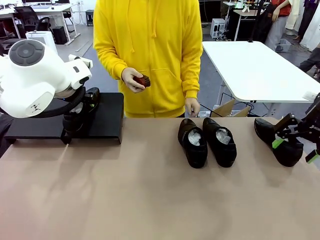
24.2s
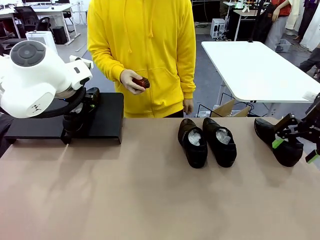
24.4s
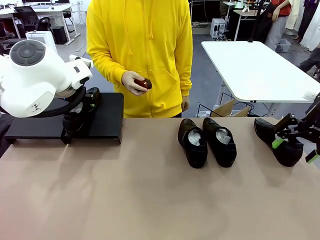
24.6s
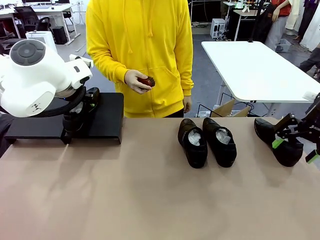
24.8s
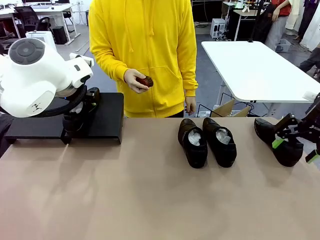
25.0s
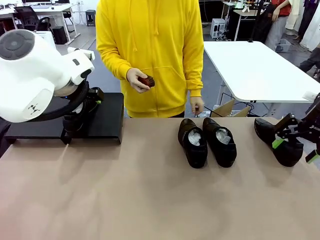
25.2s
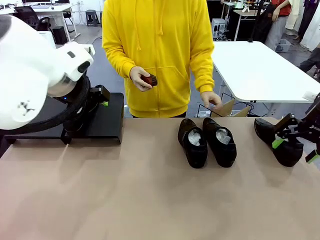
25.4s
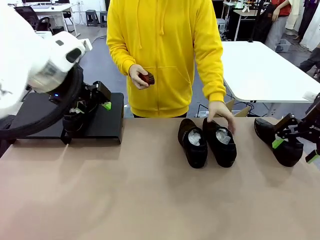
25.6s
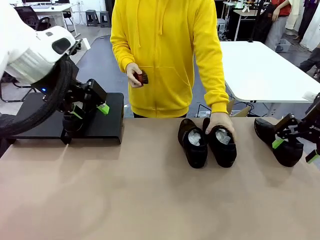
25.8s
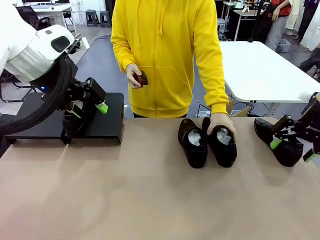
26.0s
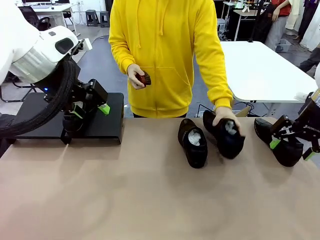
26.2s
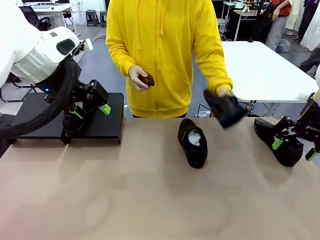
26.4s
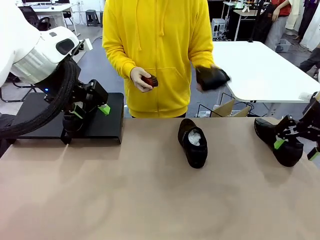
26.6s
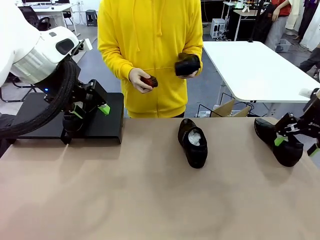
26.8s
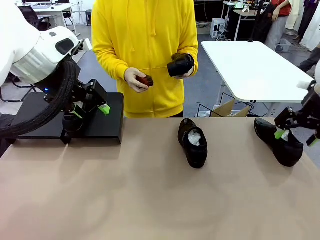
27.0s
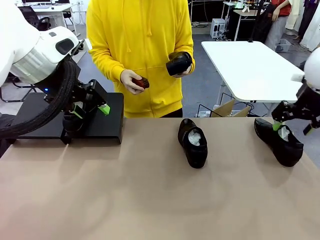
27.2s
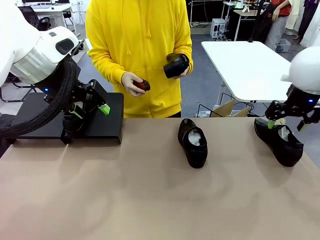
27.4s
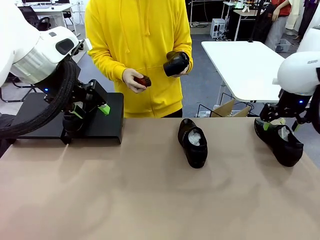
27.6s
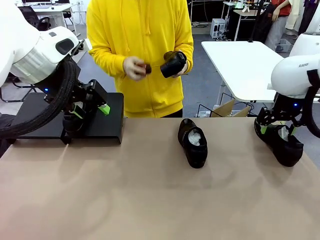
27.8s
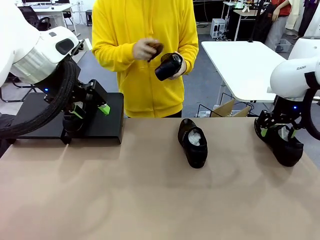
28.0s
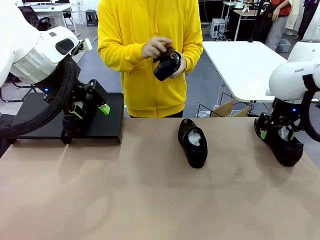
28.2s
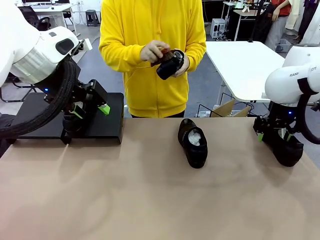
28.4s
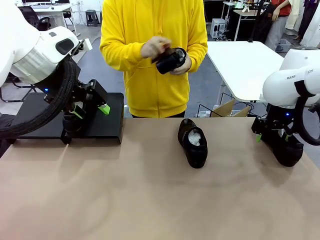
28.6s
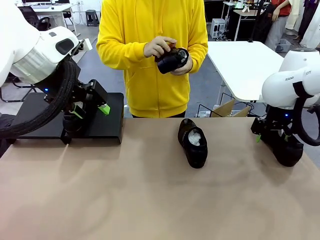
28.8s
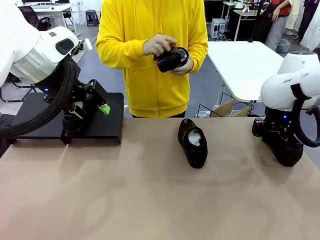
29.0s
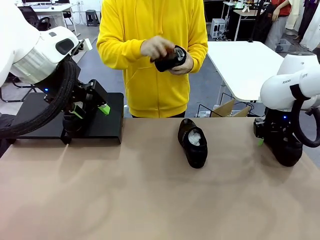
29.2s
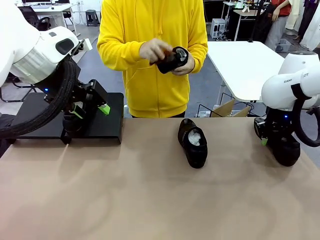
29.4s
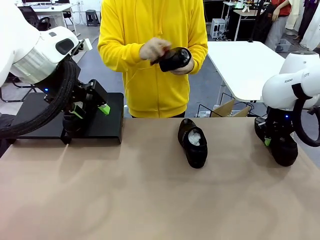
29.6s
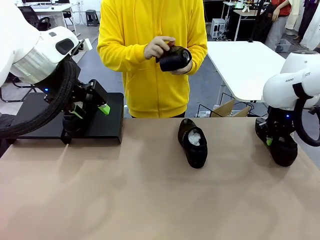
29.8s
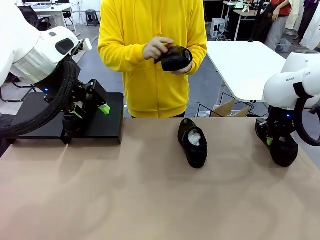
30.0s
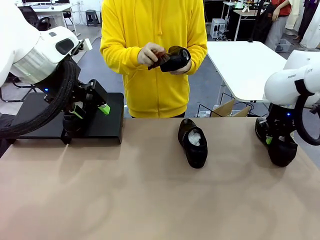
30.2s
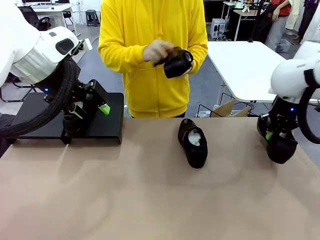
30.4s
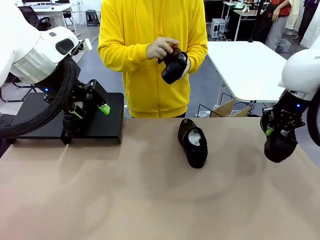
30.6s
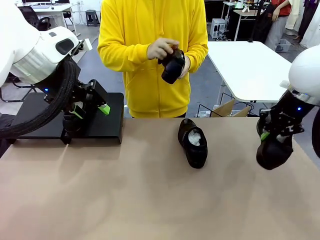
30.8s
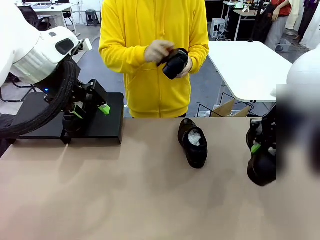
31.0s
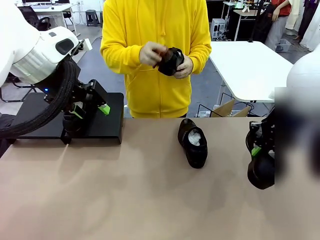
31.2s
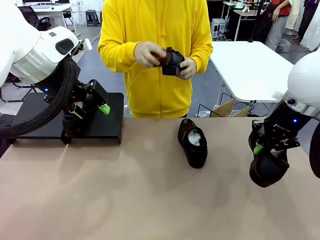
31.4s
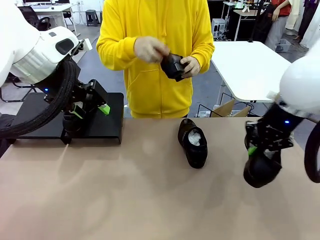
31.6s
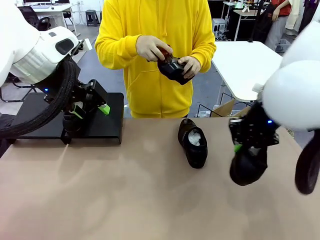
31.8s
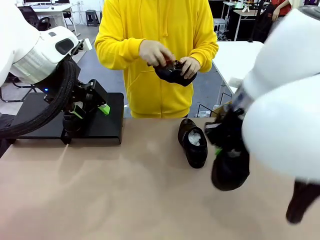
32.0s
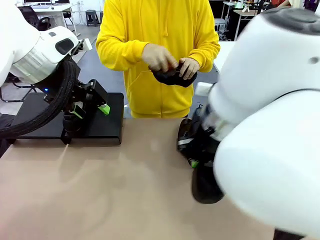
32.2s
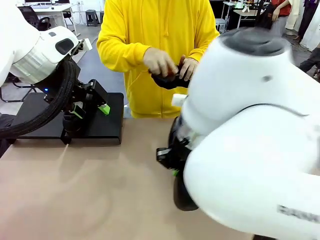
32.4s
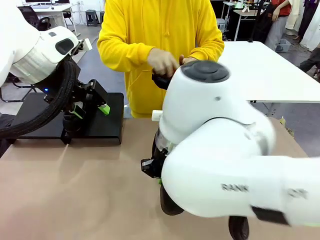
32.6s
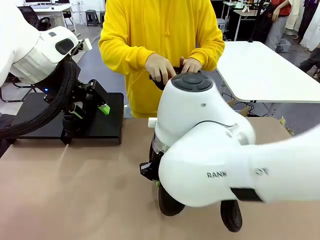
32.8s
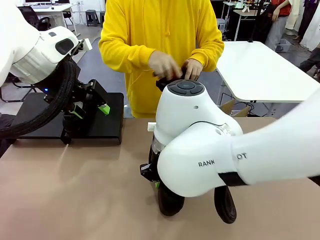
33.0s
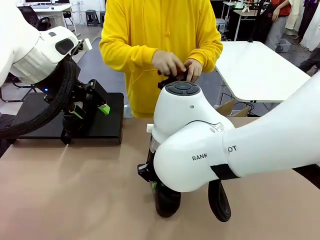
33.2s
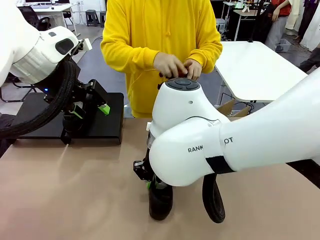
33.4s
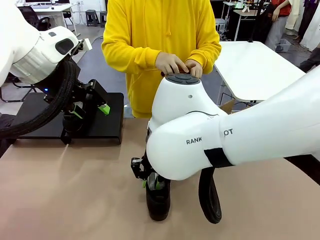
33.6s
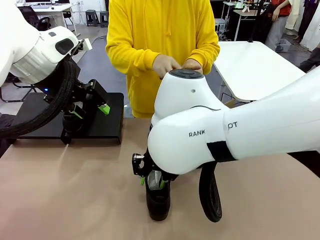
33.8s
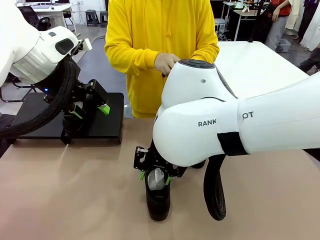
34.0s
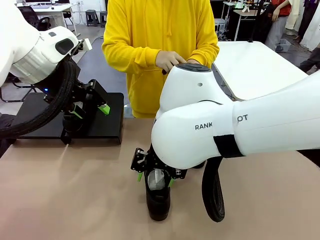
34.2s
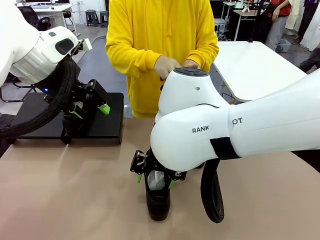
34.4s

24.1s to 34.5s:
Task: Organize the shoes by placing them on the stand.
Robot: Pick up one Shoe and place it in the middle of the table.
Person: Pick one Shoe on Robot's table.

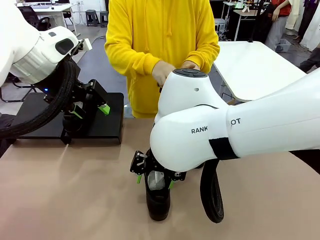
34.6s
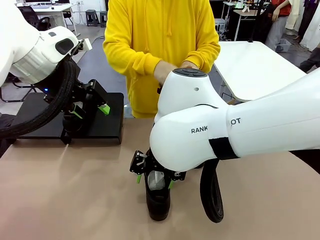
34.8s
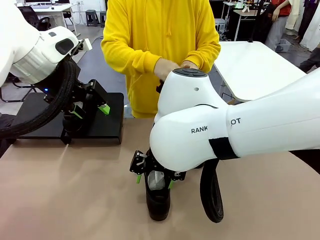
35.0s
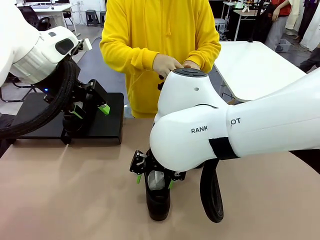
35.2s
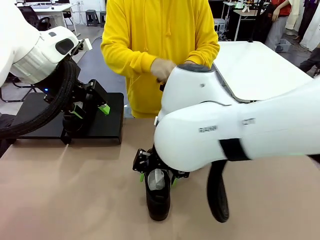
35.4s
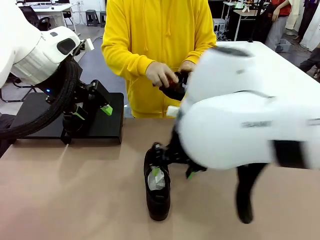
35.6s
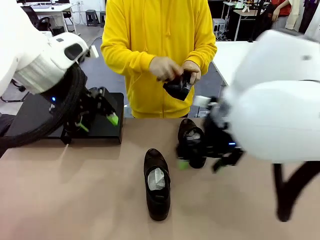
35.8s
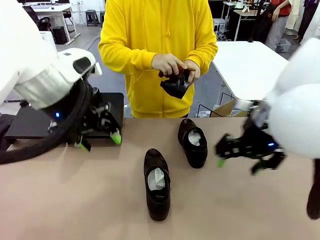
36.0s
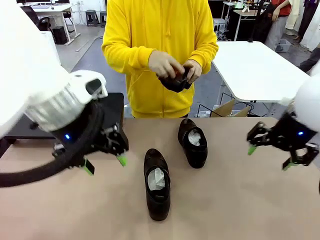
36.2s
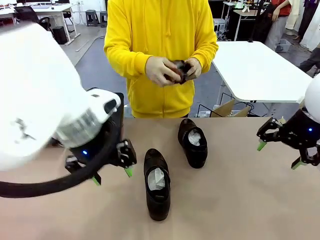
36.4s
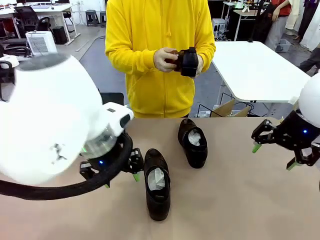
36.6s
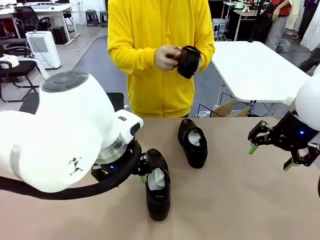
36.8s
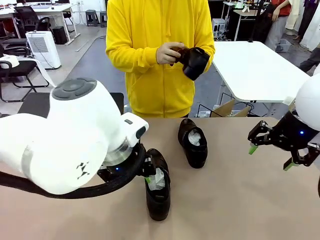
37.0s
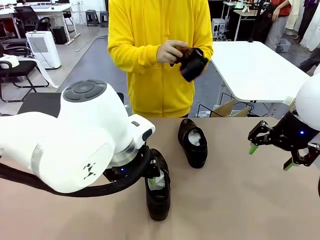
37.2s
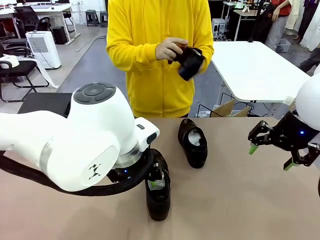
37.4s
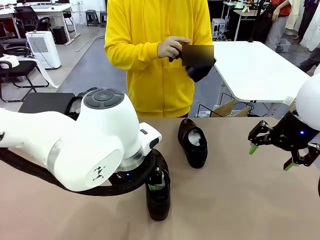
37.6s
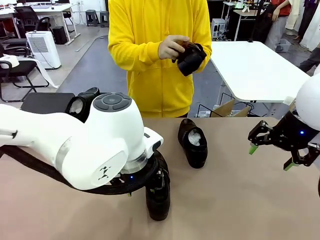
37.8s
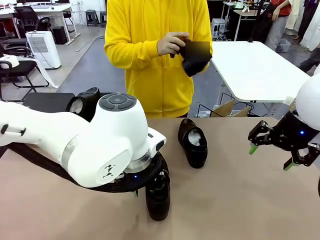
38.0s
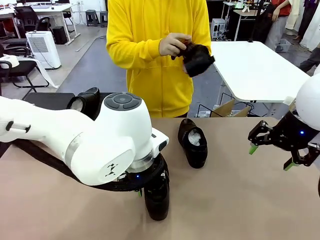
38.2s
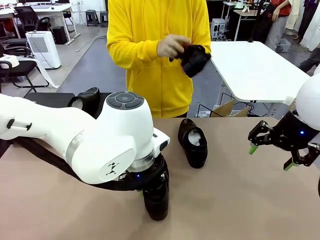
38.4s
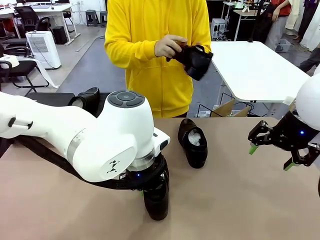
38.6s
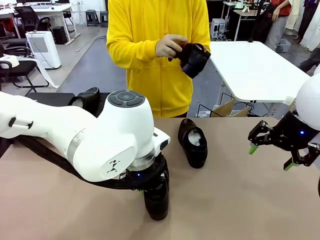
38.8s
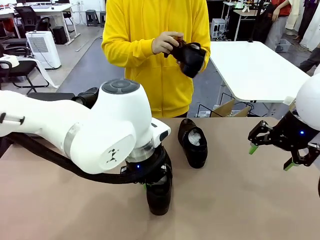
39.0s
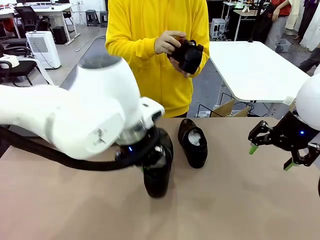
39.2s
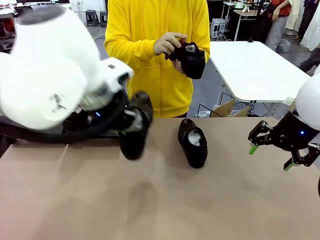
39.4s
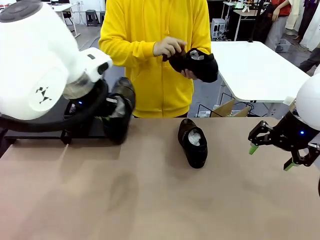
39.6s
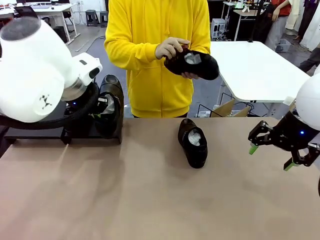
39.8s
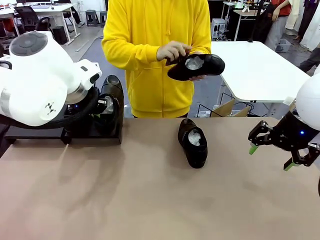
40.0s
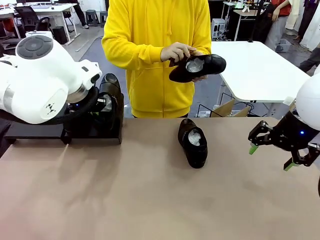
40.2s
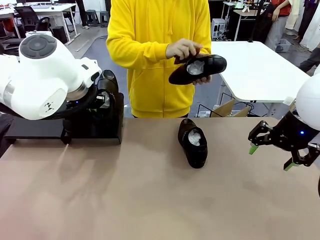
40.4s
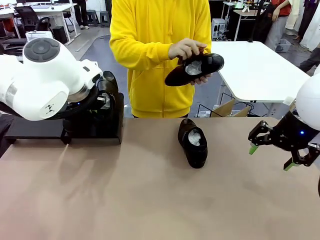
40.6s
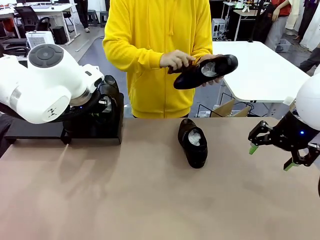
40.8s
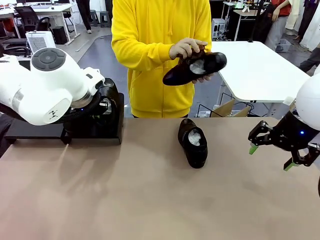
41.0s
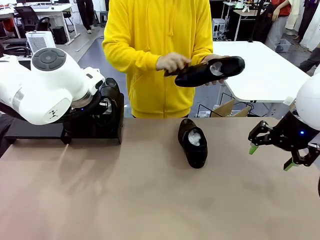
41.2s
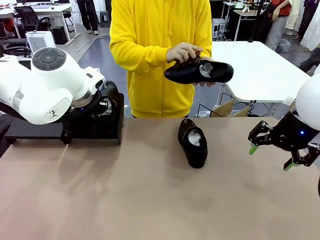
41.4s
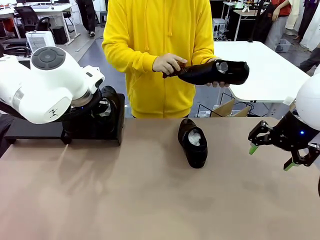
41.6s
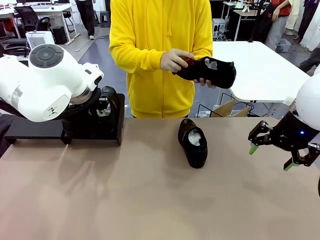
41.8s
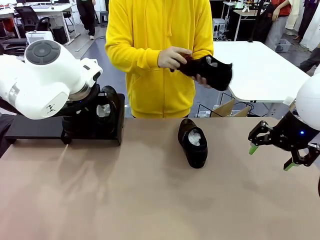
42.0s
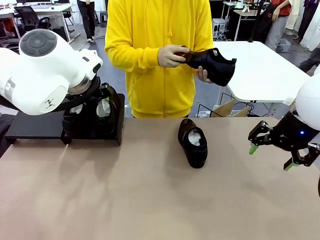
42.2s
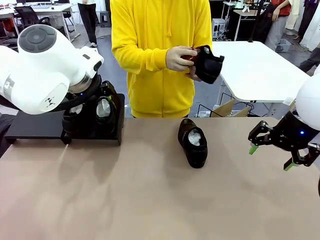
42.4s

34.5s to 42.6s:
Robot: Place the Shoe from the middle of the table onto the Shoes Stand.

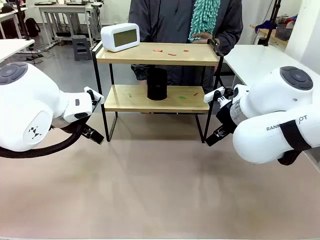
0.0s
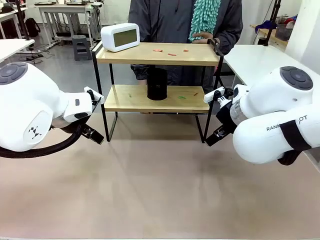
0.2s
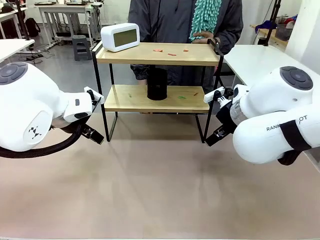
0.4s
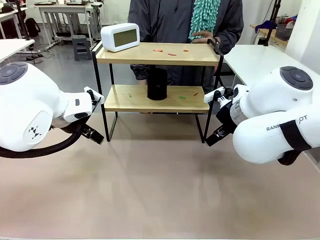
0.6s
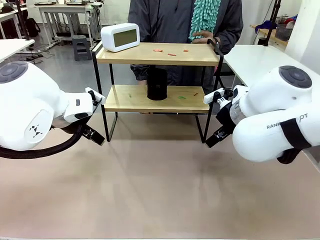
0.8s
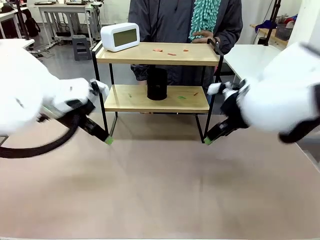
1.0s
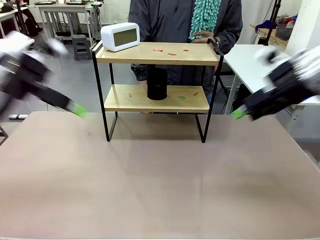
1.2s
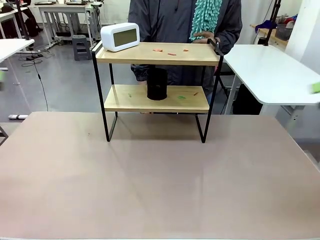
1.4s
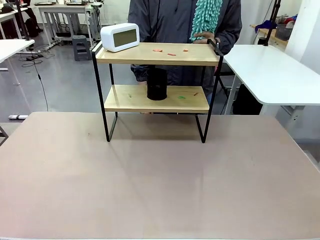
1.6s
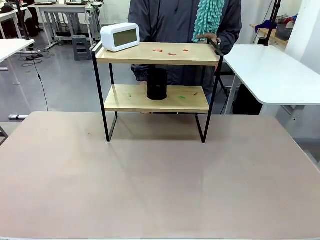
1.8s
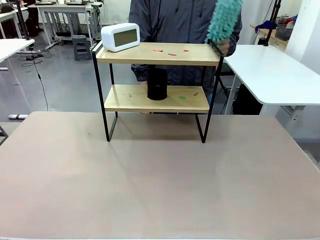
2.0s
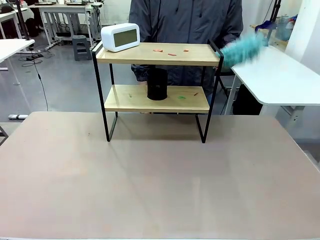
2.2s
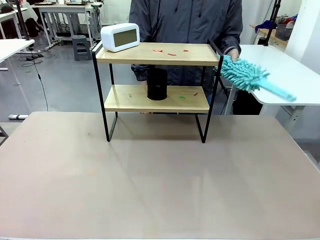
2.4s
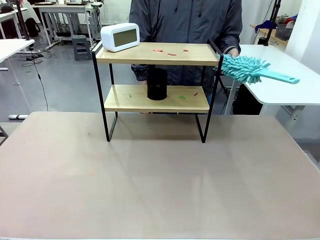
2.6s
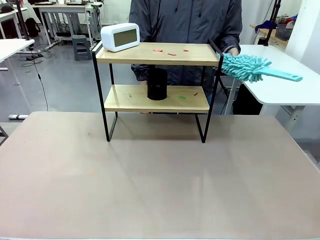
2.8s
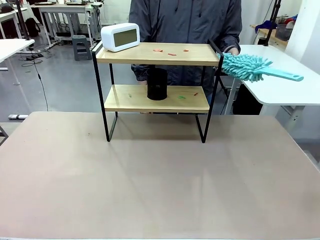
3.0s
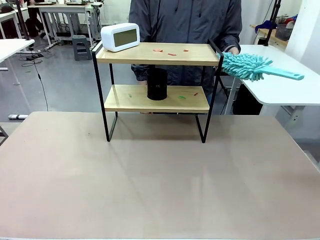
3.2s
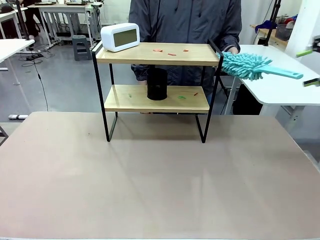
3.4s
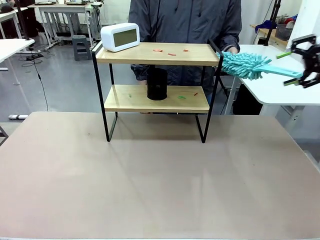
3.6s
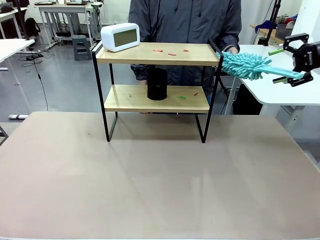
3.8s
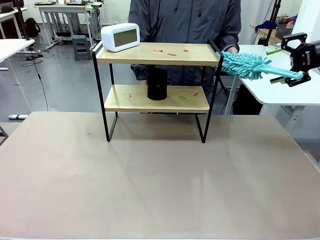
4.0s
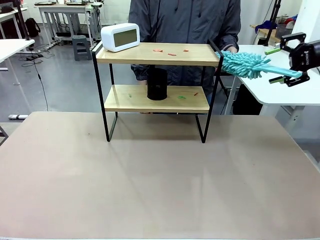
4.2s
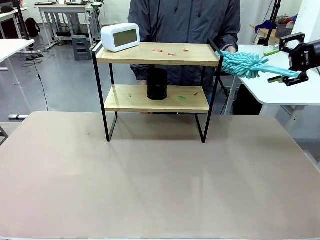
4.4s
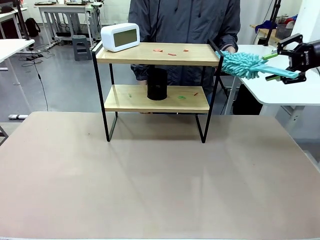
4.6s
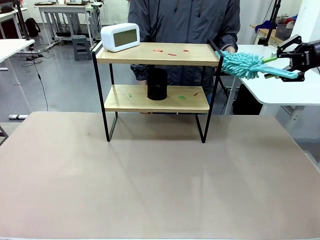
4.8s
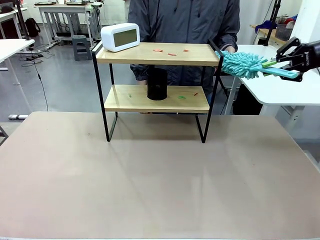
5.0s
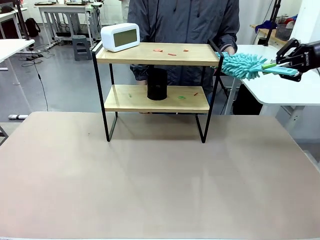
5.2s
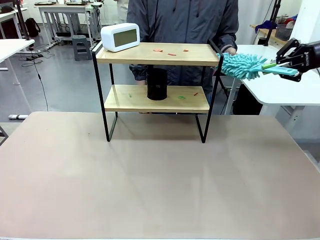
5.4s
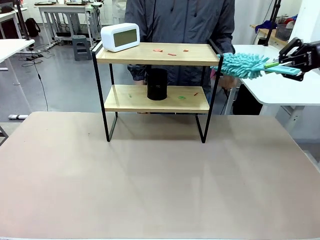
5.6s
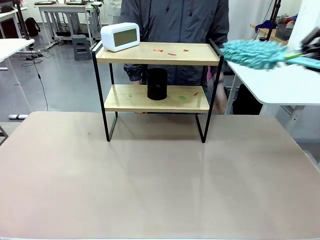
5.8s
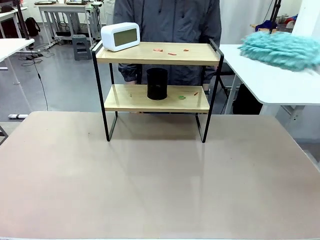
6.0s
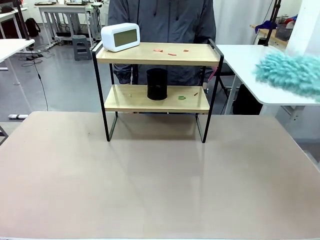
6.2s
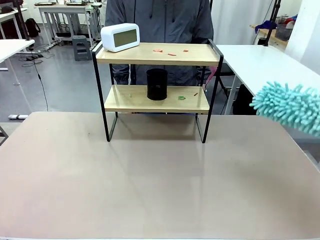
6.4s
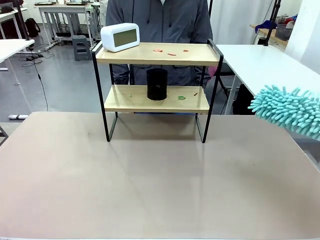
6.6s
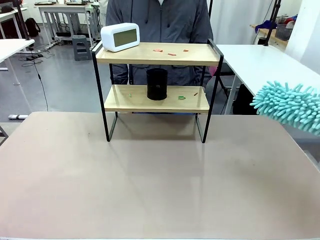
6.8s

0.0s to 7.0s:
Task: Clean the shelf.
Robot: Pick up the Duster from the human.
Person: Hand the Duster to the robot.
